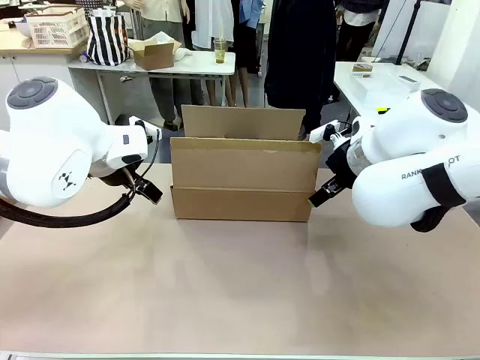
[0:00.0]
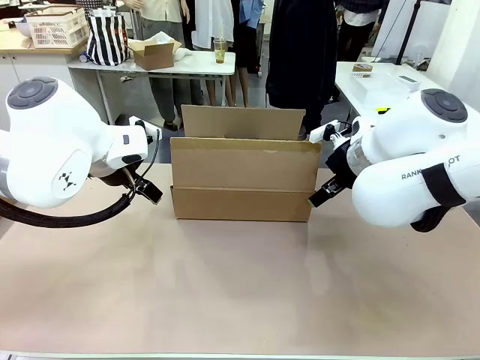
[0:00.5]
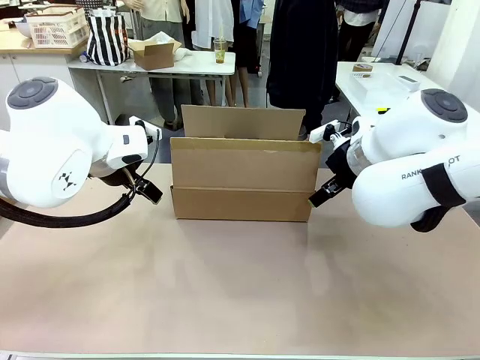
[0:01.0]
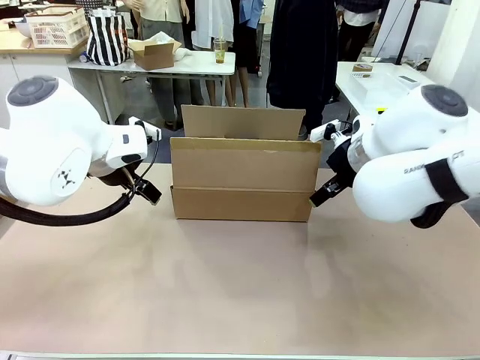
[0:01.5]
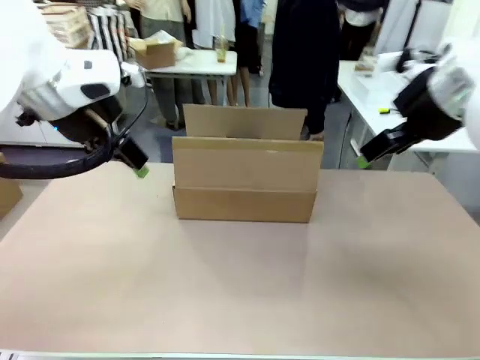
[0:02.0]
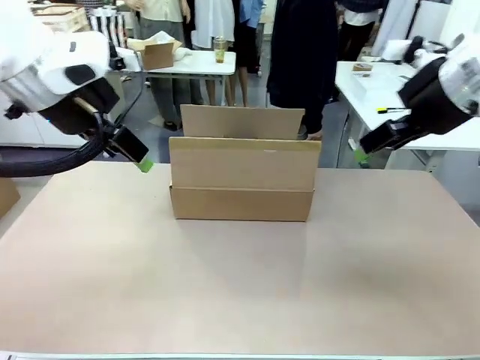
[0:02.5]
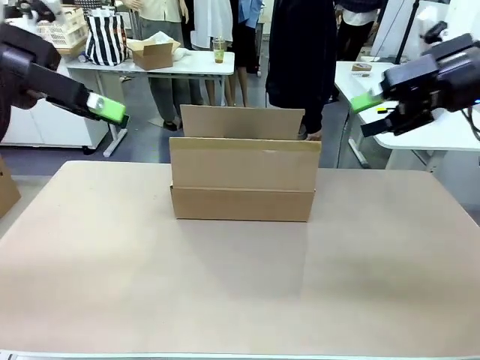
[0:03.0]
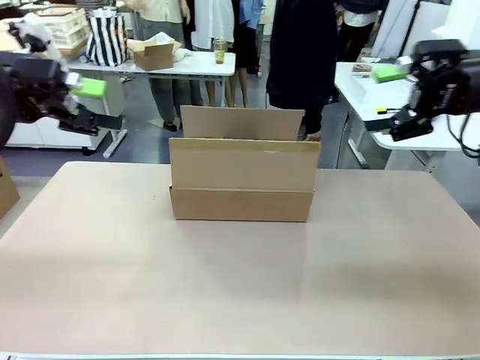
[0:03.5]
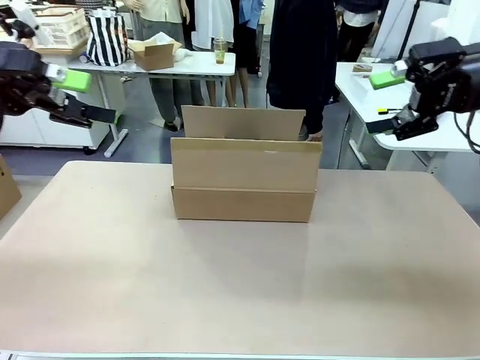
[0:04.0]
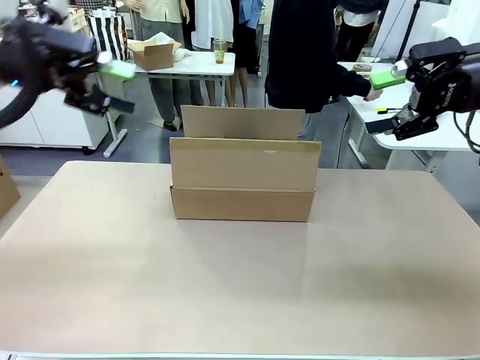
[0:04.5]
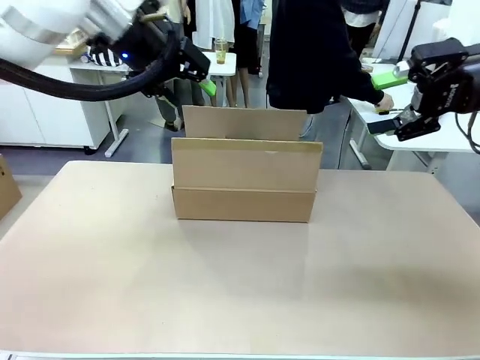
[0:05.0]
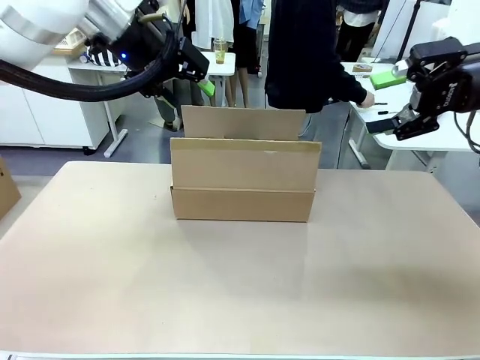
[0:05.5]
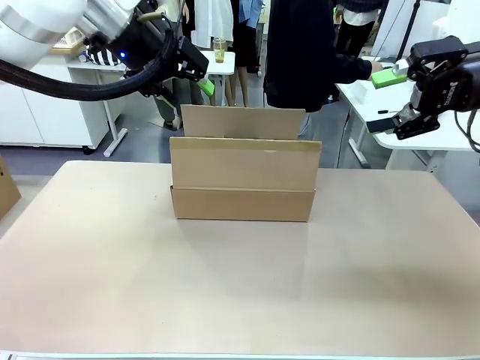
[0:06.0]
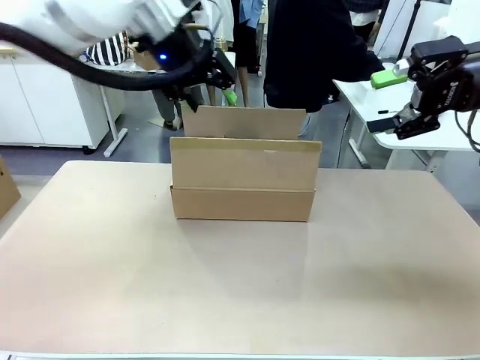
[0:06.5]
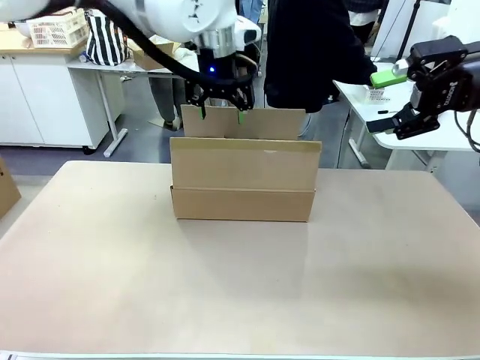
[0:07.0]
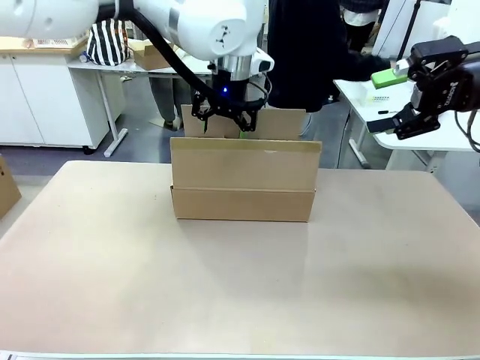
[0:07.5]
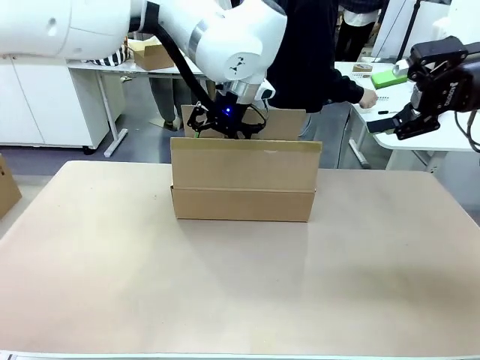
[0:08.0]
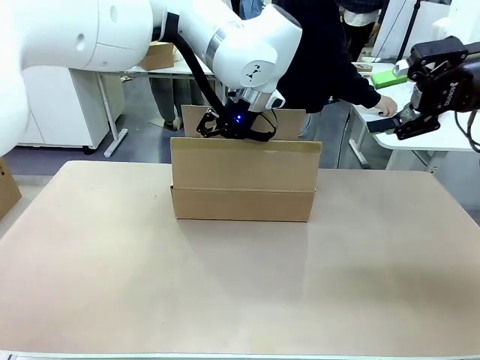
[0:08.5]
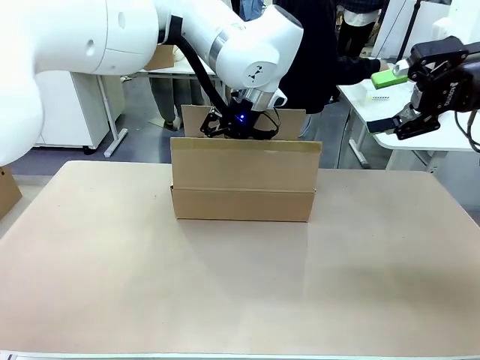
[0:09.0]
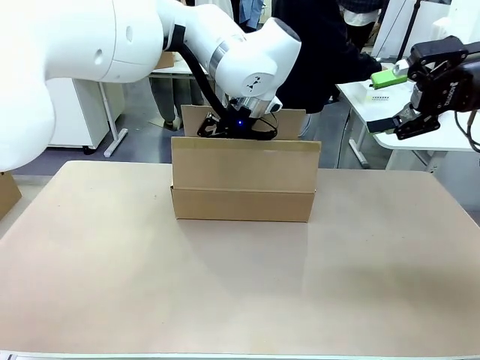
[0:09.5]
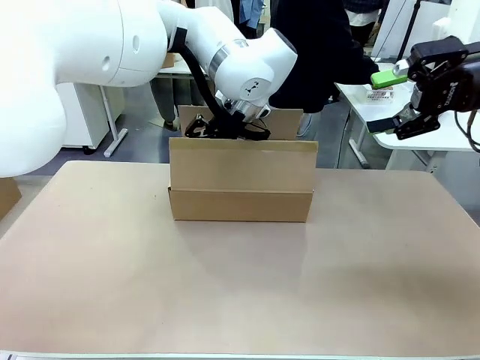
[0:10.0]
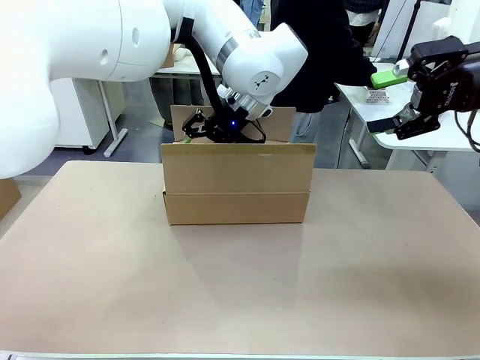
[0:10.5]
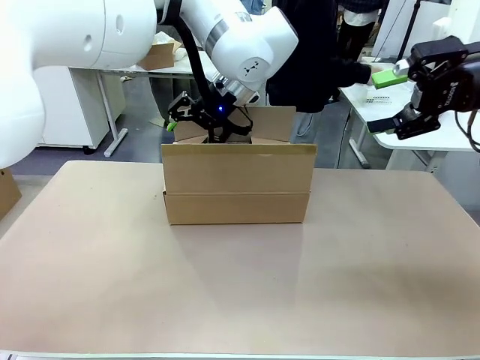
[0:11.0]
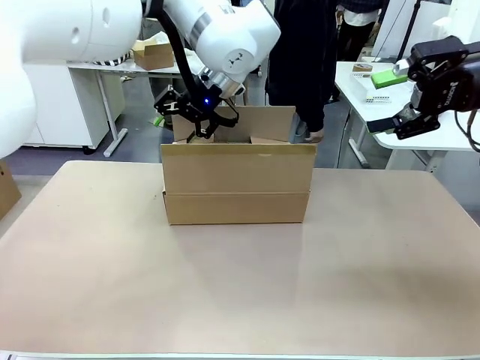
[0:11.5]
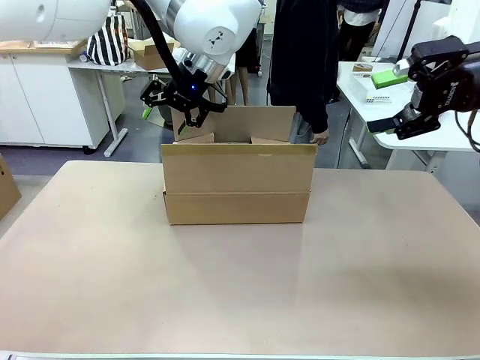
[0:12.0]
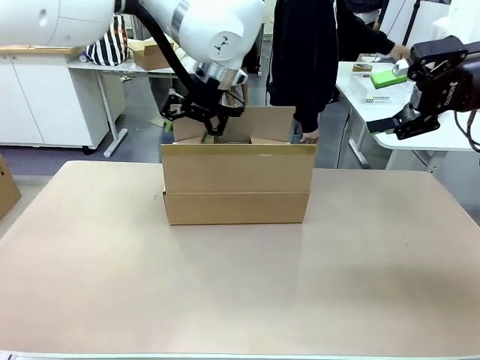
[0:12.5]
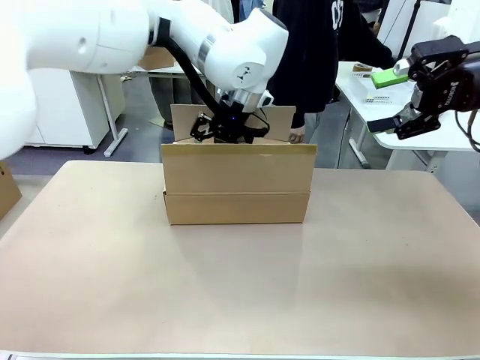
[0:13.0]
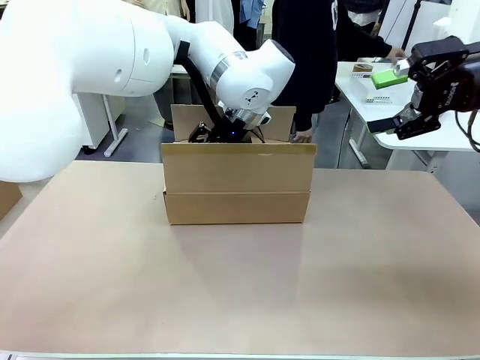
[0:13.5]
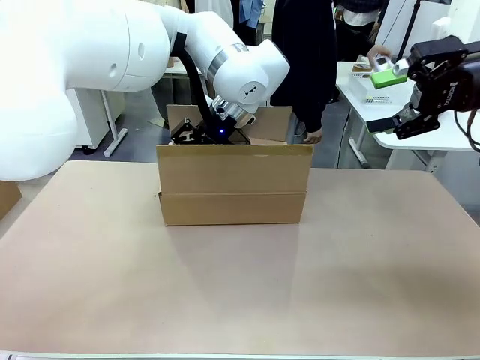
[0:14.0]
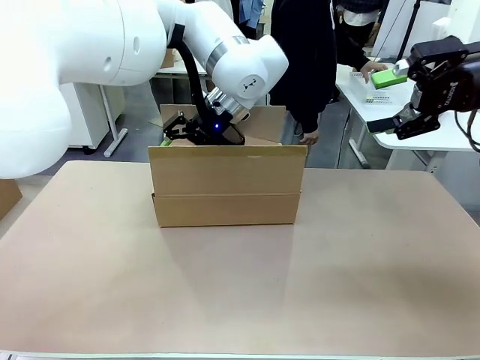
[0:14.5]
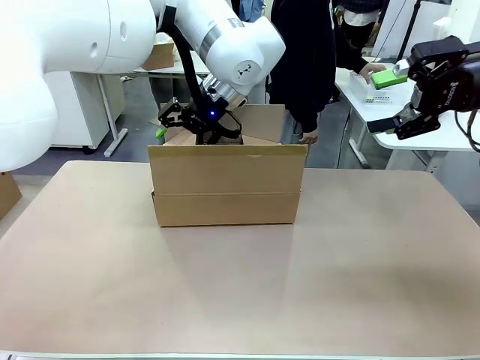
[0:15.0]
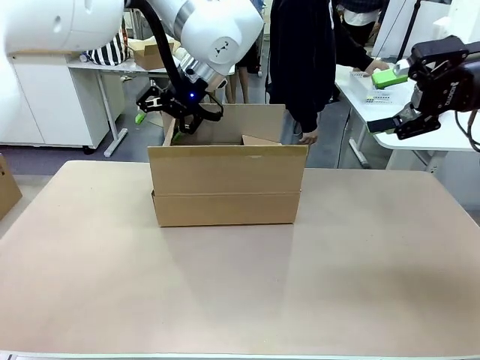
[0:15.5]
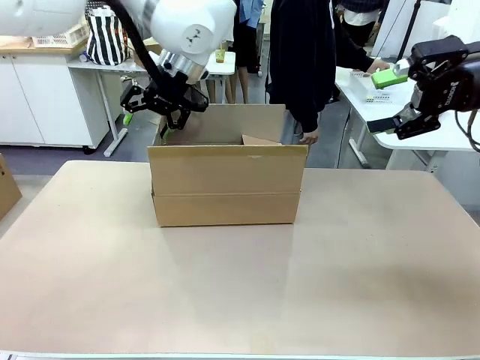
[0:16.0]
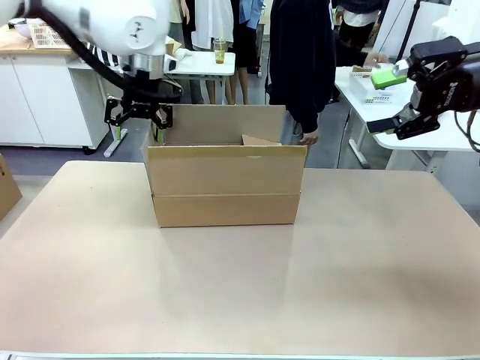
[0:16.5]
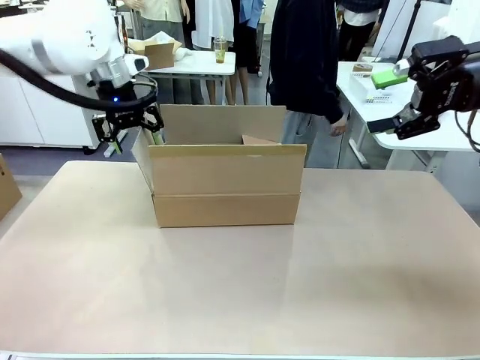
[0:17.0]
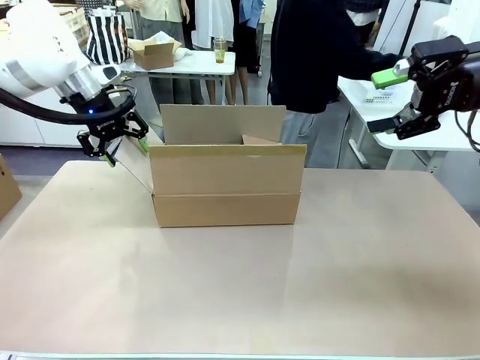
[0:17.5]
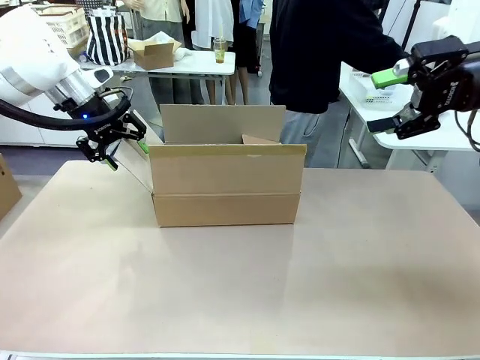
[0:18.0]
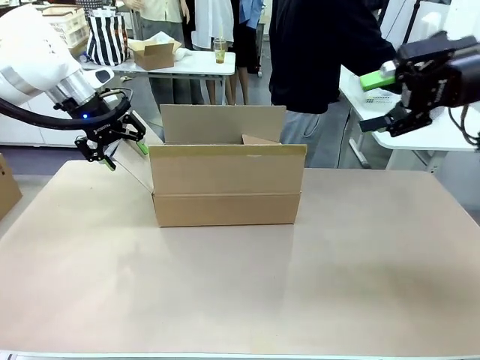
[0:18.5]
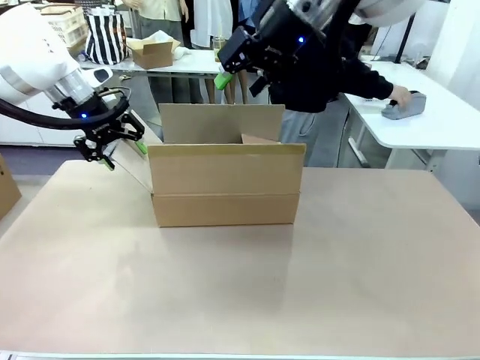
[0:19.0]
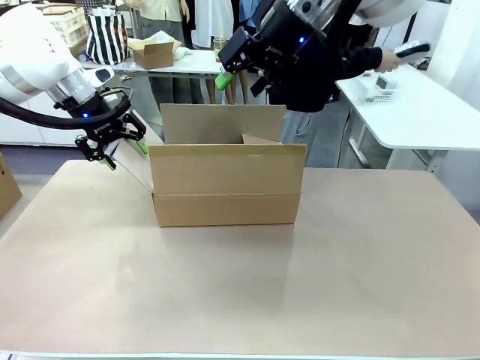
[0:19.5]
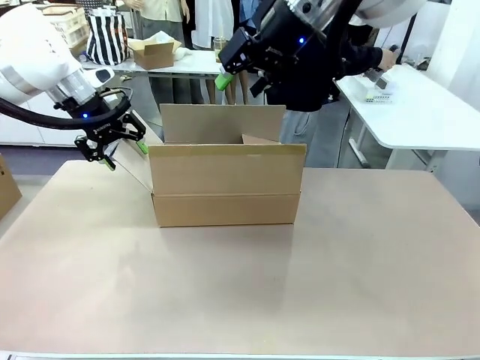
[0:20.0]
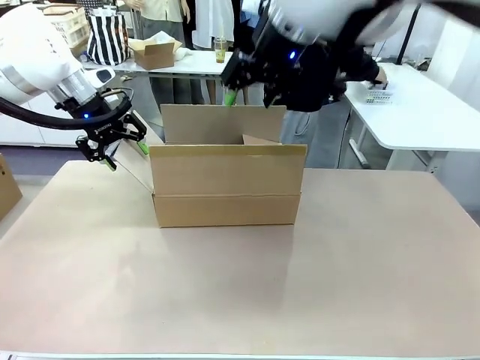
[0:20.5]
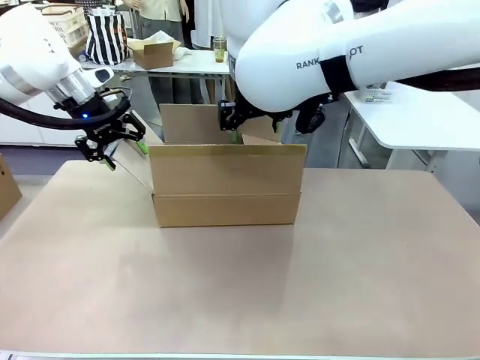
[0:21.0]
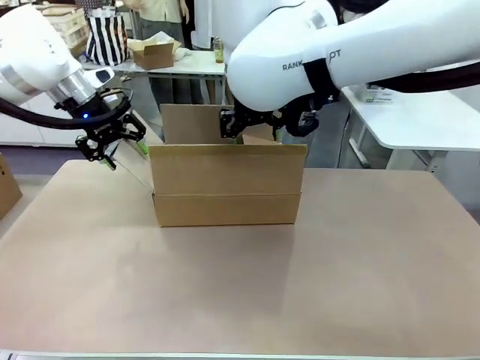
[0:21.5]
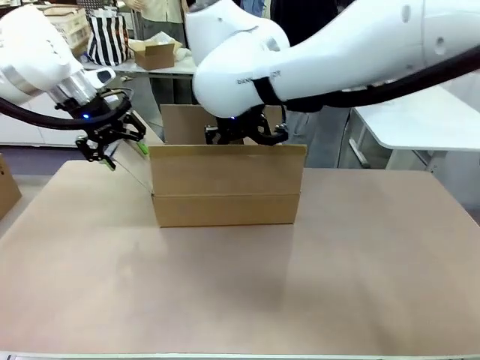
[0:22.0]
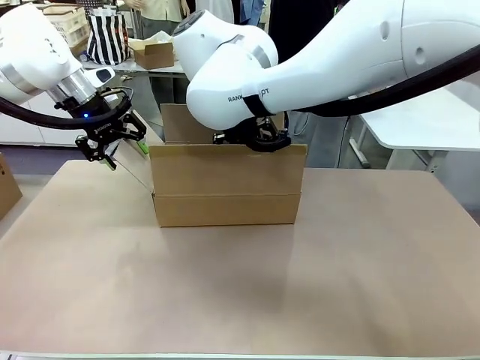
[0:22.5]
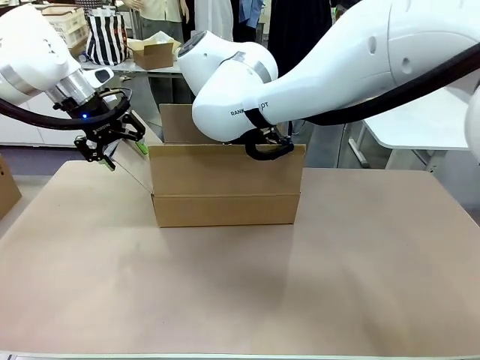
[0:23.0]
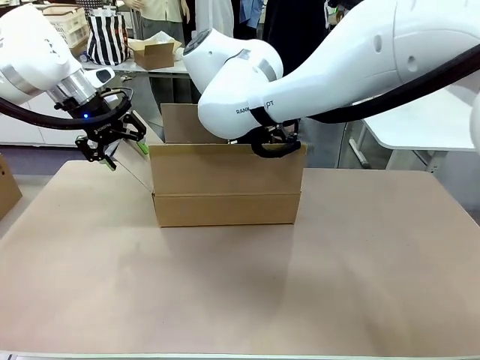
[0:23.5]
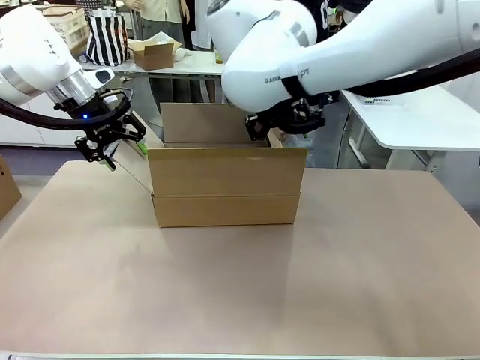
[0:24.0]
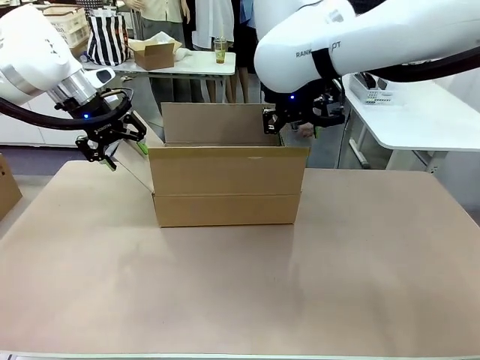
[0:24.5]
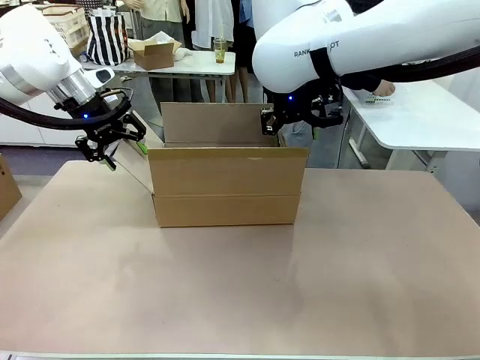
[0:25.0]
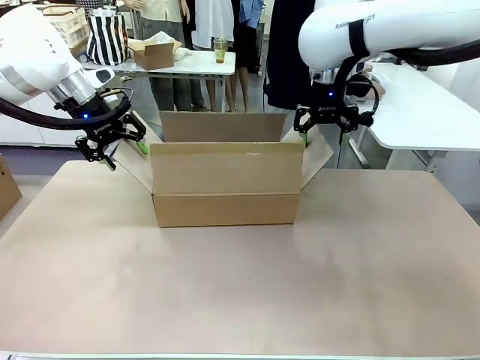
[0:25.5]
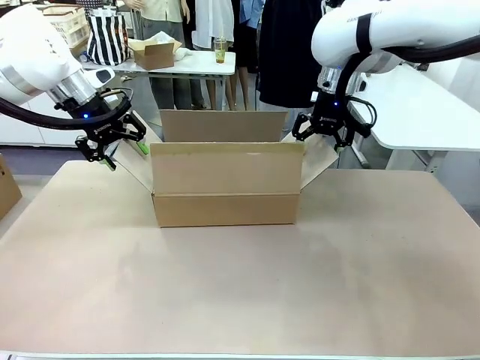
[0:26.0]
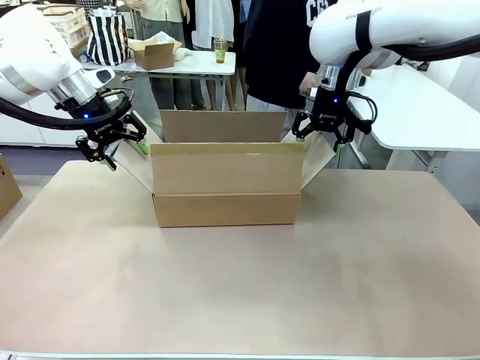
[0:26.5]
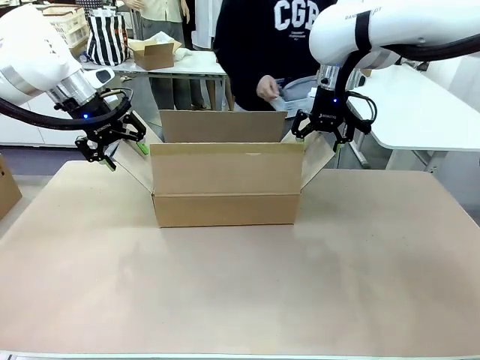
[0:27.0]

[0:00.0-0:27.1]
Task: Pack the gift set into the box.
Robot: Place both hands on the side flaps of the Package Box and spread them outward.
Person: The human places all items except the paper tape into the organizing basket.
